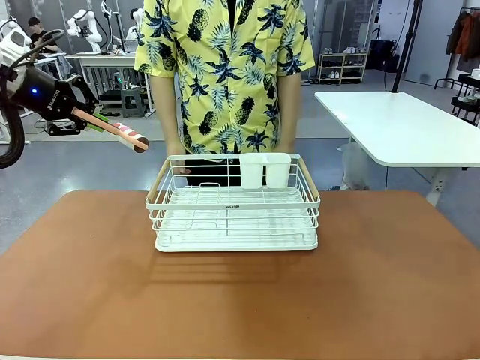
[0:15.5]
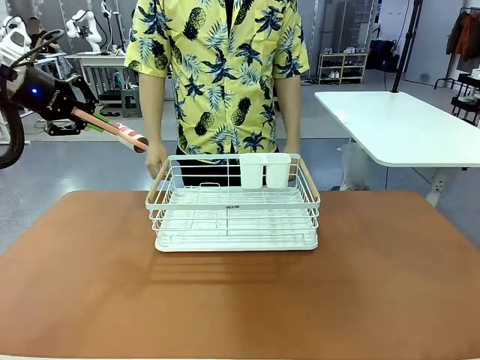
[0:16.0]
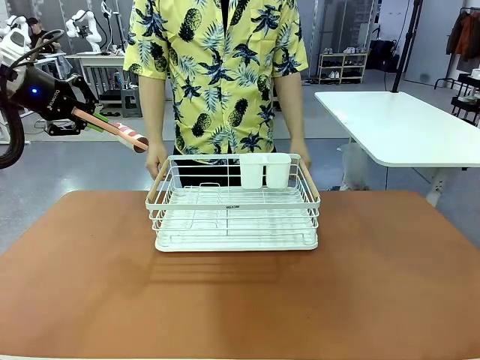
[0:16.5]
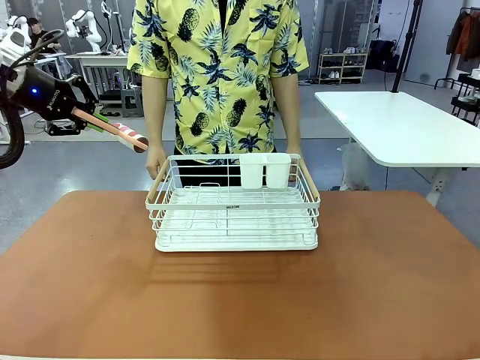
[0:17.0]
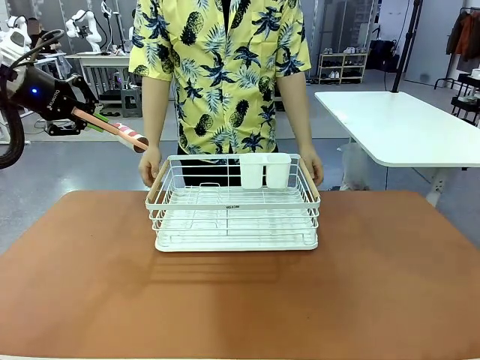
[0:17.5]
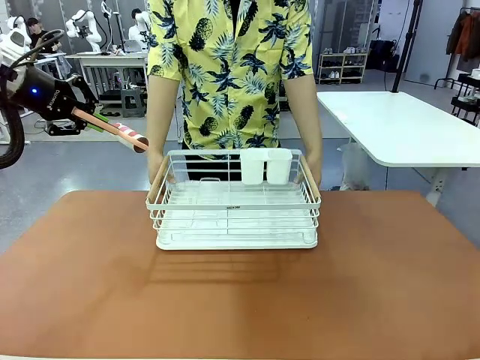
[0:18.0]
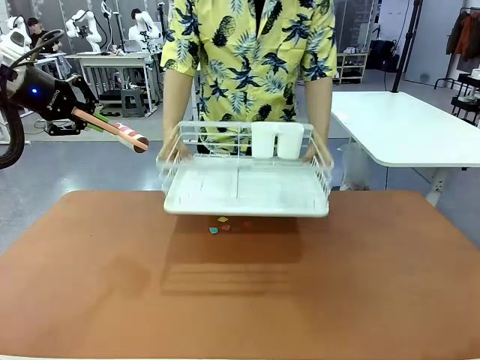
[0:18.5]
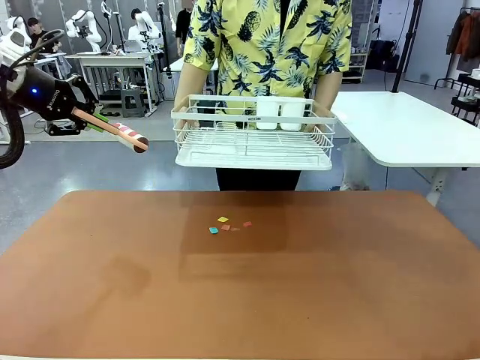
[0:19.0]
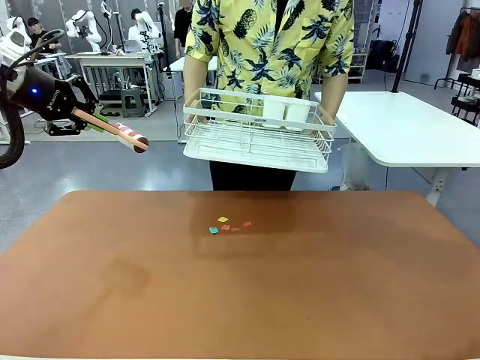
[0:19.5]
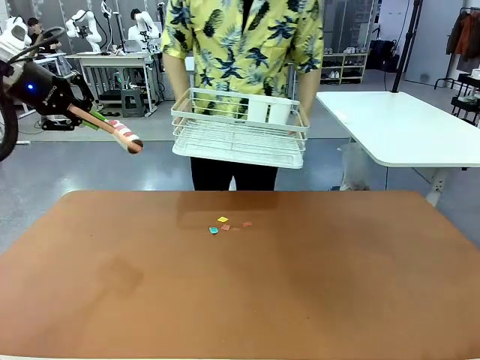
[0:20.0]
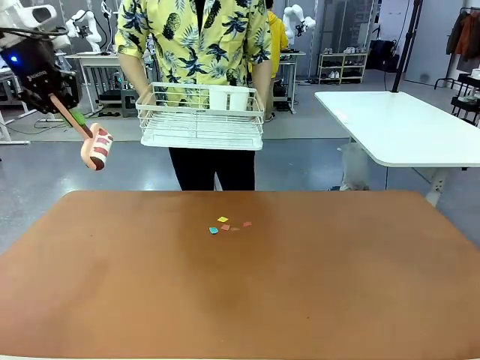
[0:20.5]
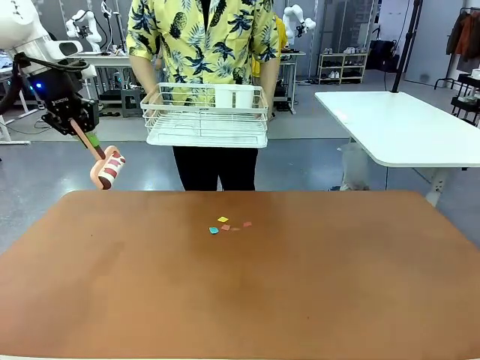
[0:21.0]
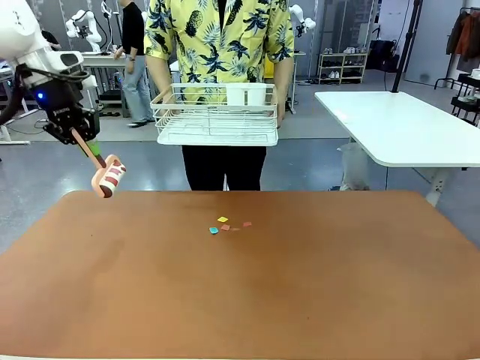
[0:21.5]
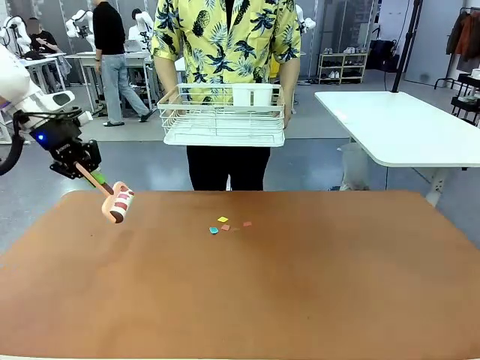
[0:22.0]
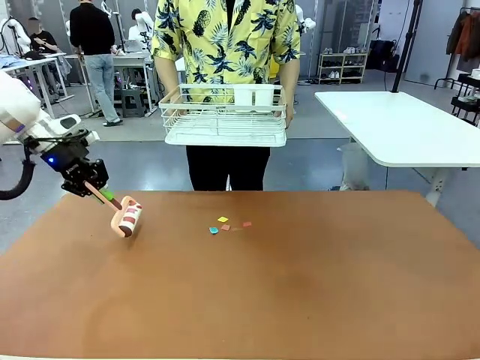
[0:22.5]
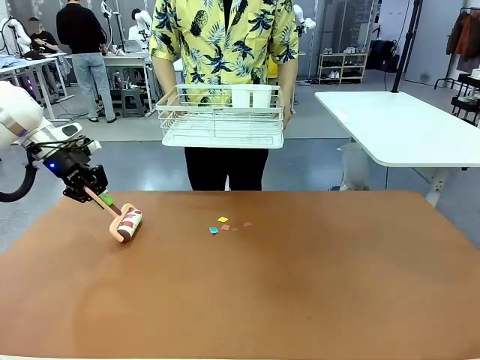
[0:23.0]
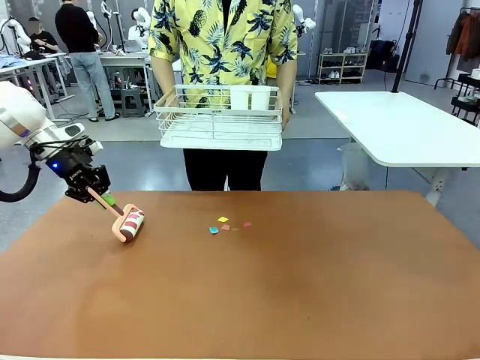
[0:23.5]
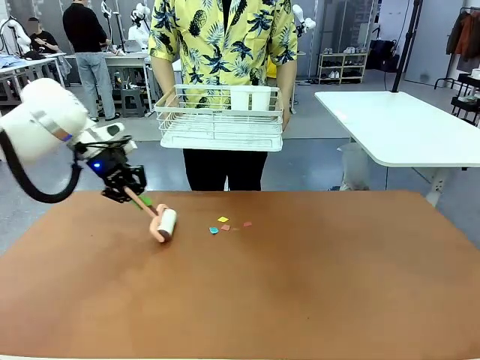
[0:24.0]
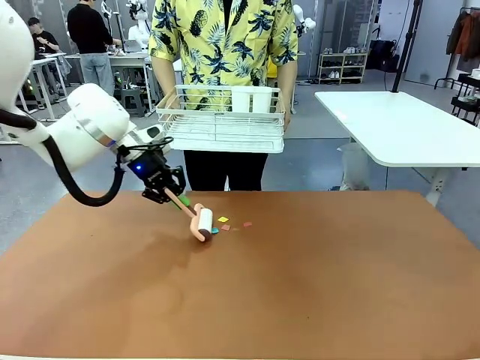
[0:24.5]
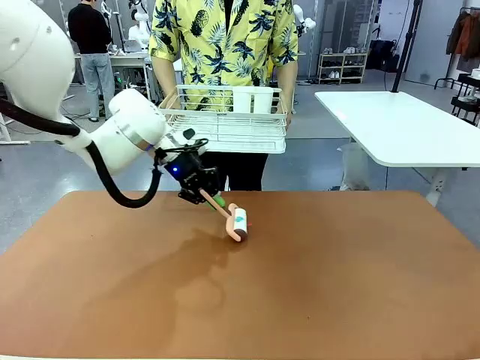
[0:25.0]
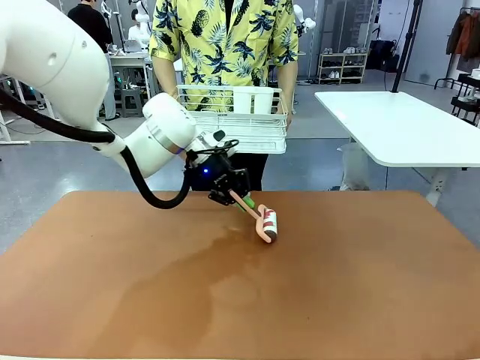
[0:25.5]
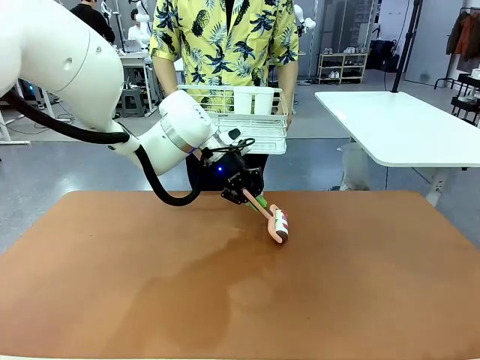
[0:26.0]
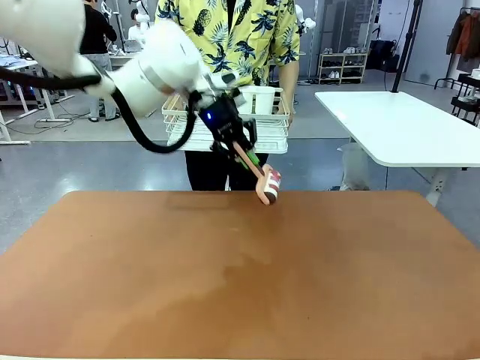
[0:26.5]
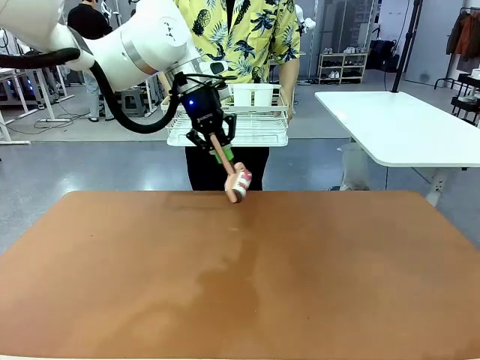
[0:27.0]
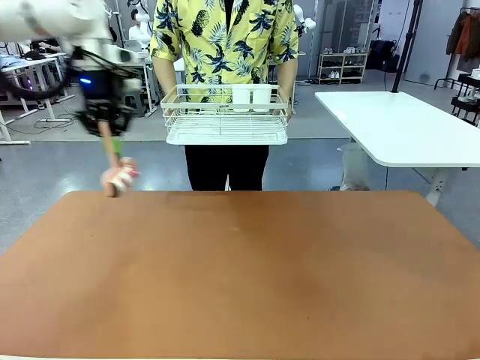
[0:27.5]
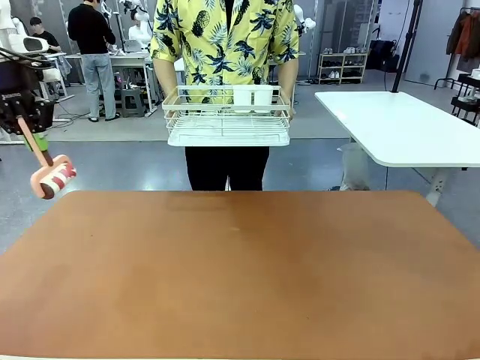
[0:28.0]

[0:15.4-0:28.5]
Task: Clean the table.
Robot: Clean the table with the Lint Roller when the human lifts the Dish drying rack.

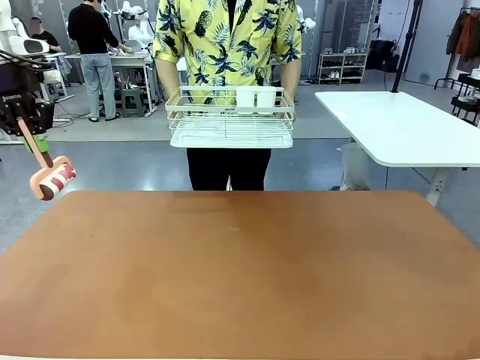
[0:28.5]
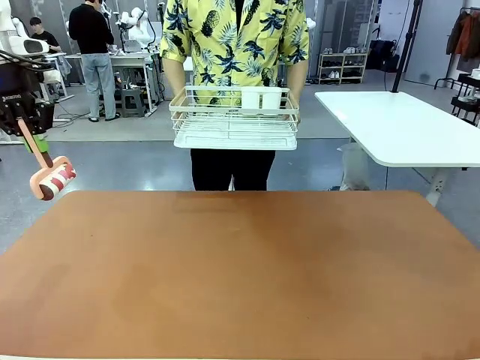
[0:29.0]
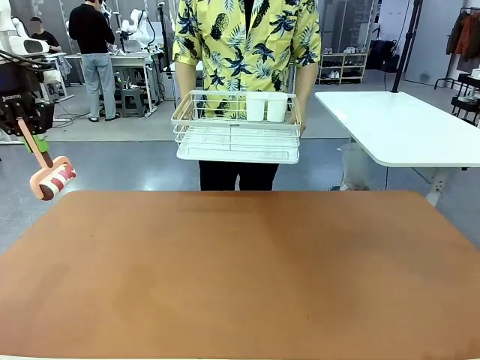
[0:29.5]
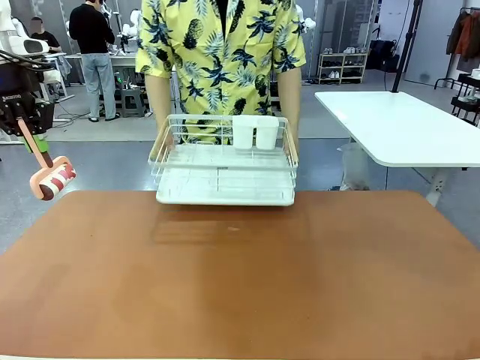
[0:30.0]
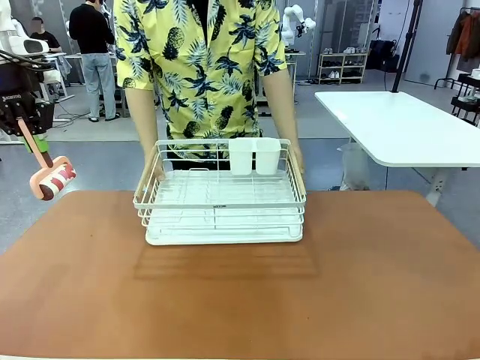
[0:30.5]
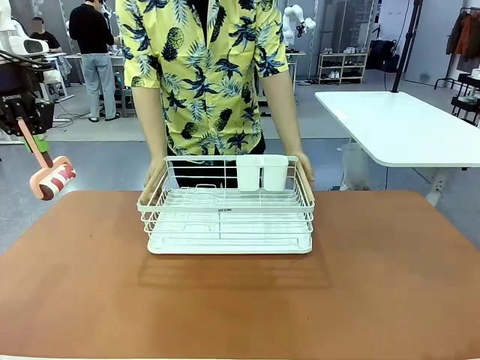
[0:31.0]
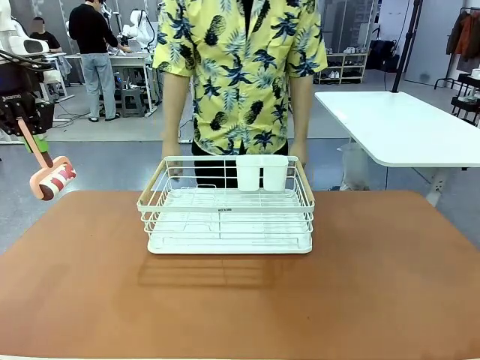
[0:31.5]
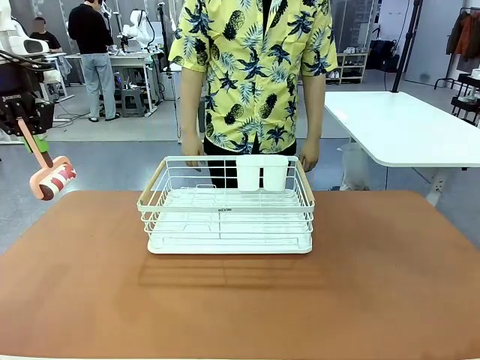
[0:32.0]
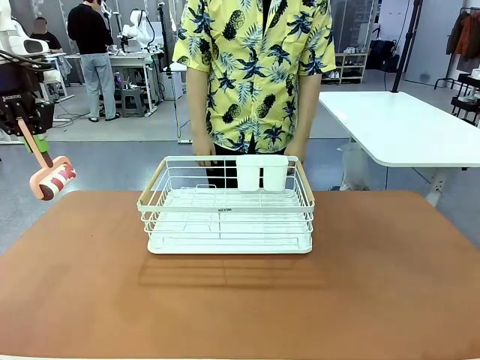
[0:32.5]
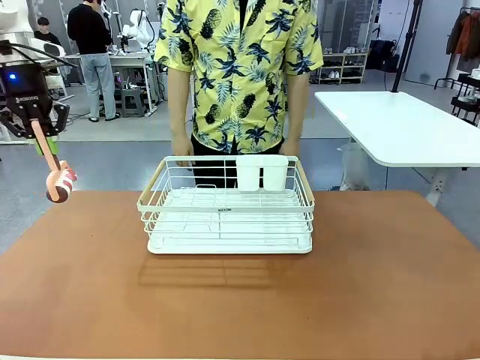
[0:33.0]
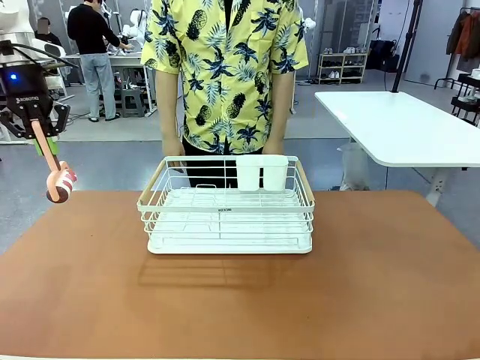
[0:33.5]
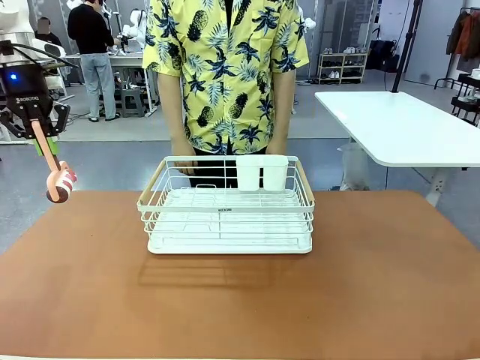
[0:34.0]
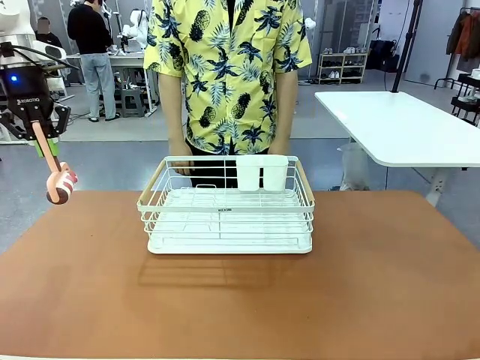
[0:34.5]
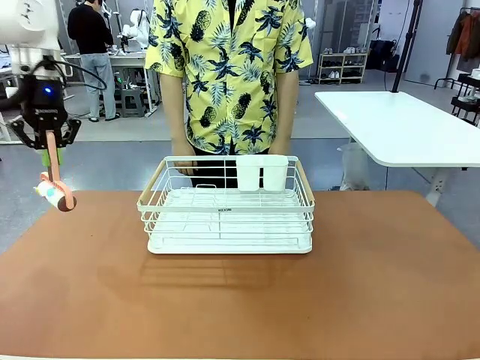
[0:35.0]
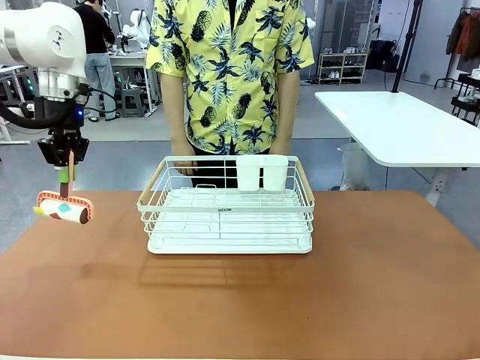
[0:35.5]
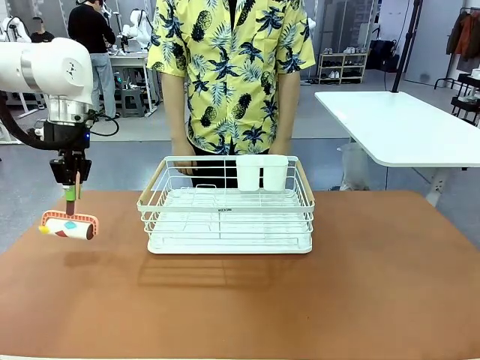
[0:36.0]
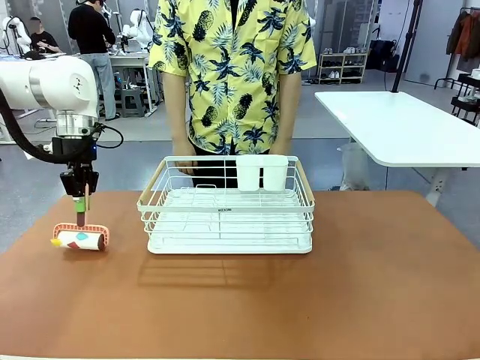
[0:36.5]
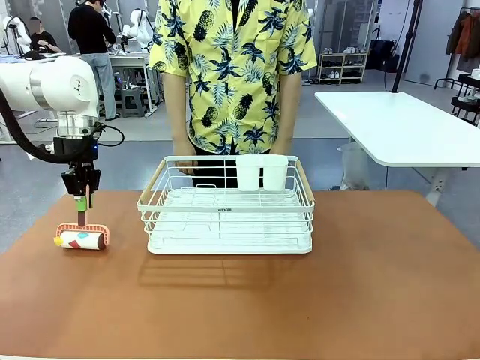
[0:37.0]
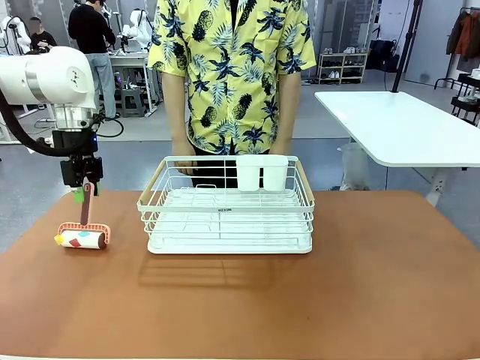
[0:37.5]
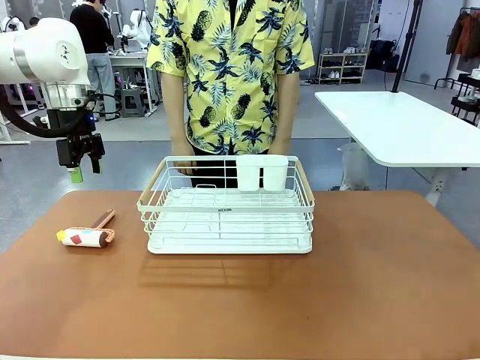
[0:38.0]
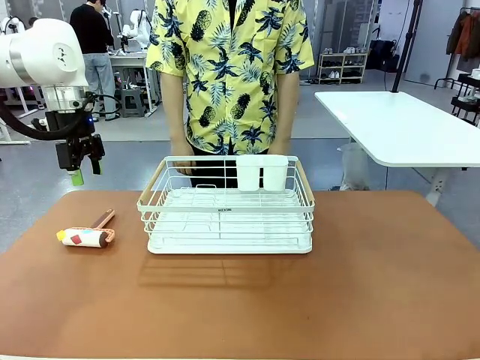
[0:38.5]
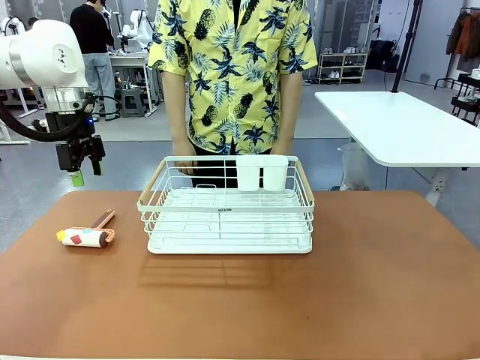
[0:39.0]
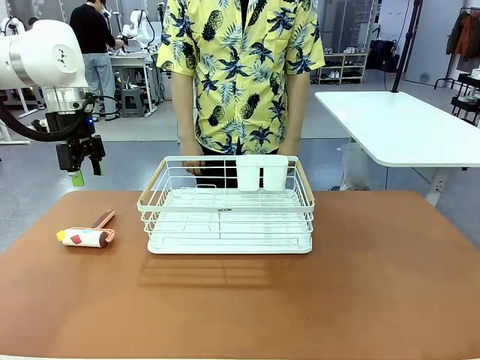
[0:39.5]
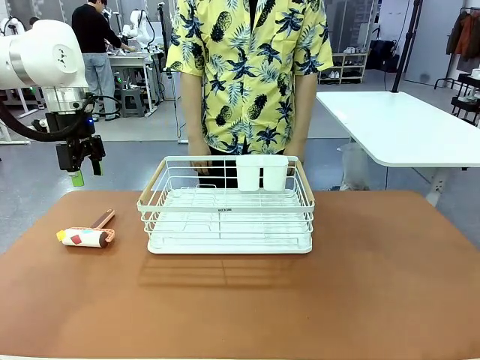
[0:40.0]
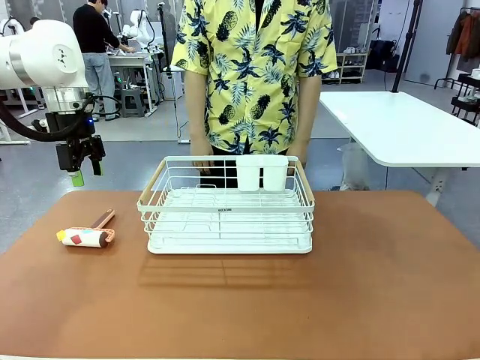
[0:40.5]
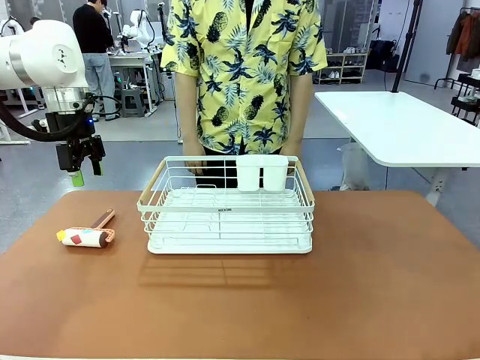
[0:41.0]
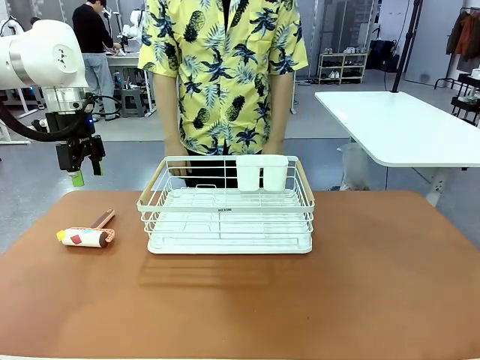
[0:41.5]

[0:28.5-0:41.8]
Robot: Place the Lint Roller down when the Dish drying rack is positioned in the middle of the table.
Person: Place the Dish drying rack down when the robot finishes cleaning.
